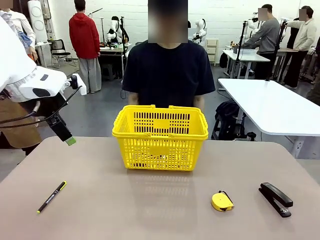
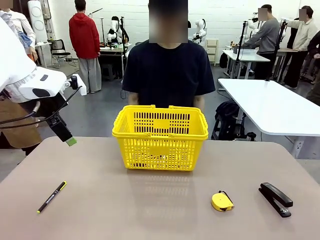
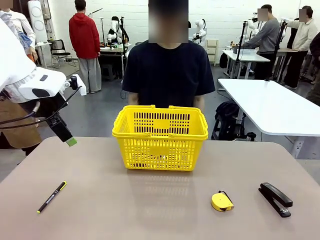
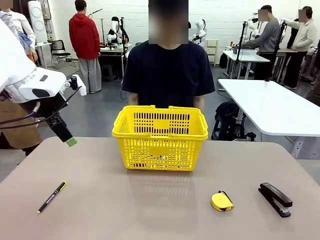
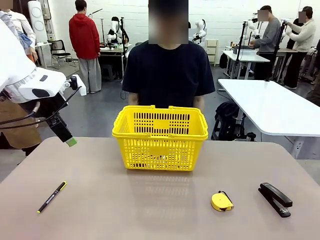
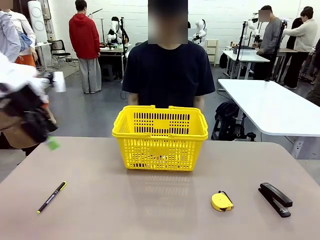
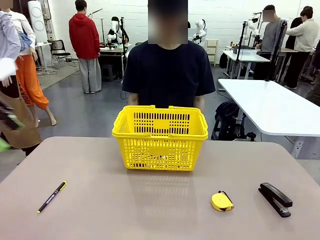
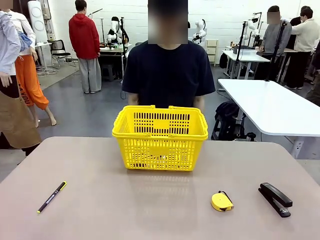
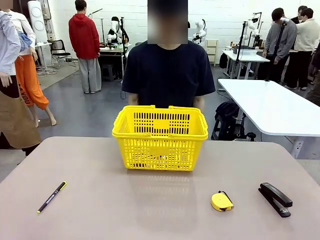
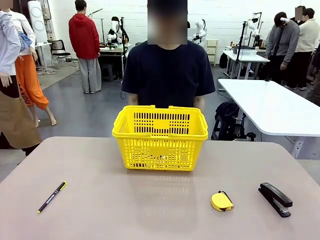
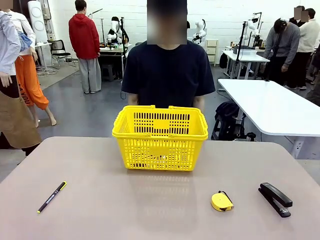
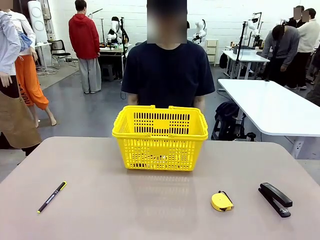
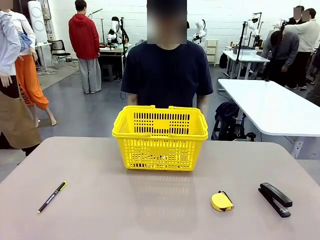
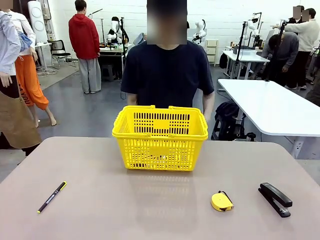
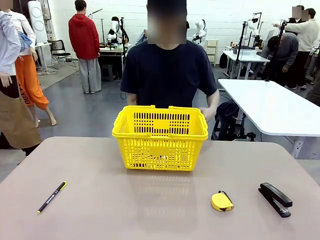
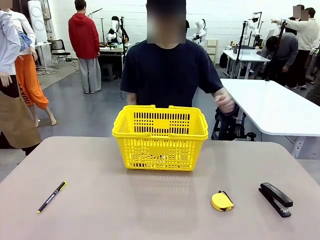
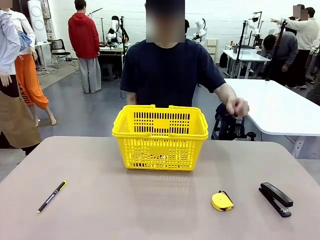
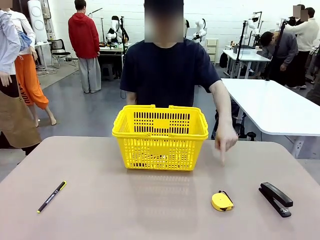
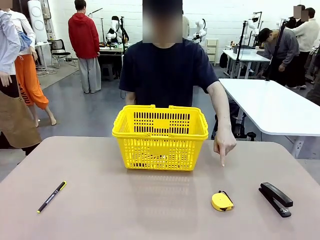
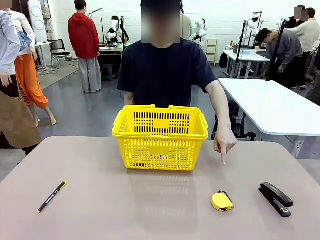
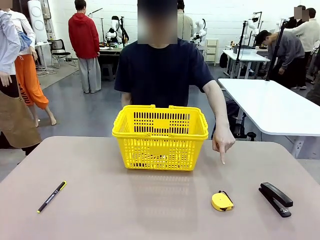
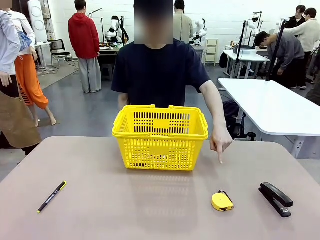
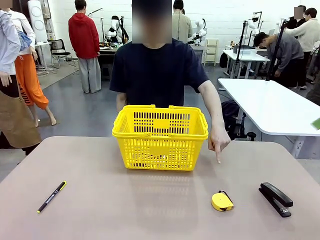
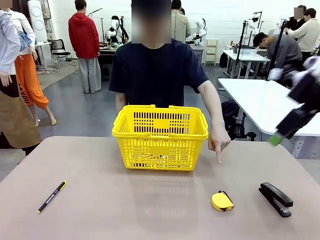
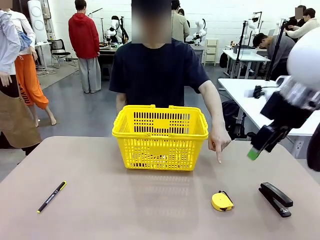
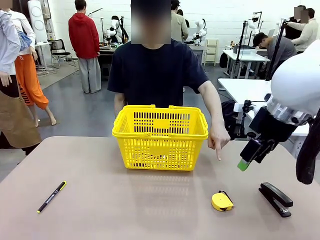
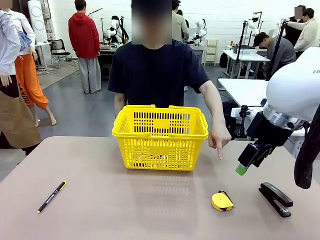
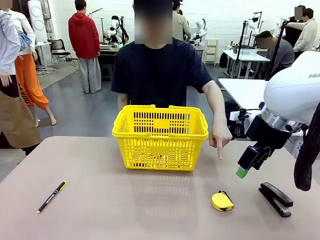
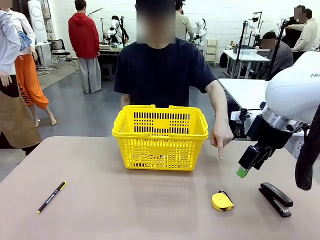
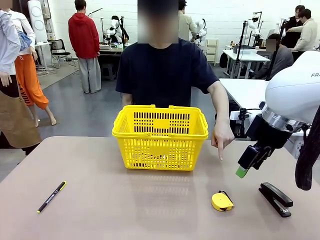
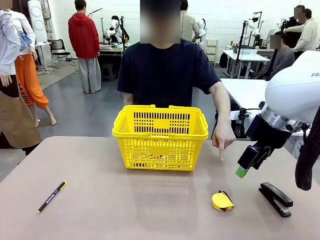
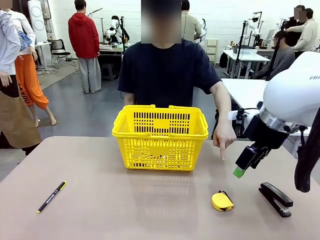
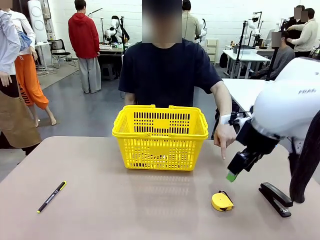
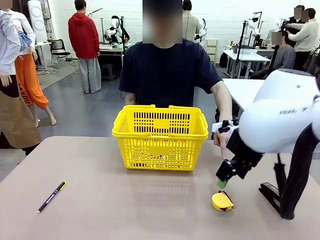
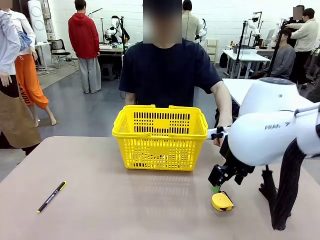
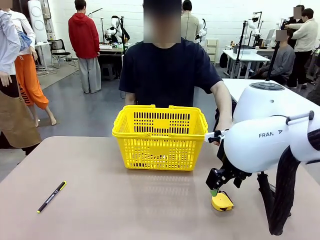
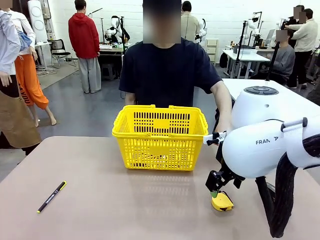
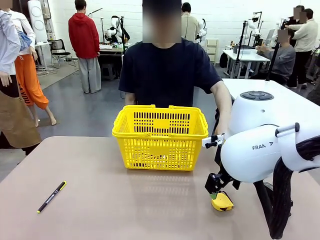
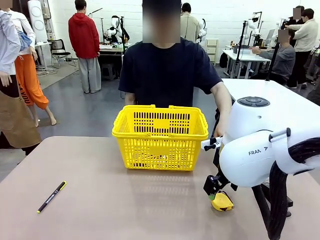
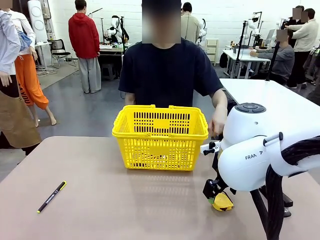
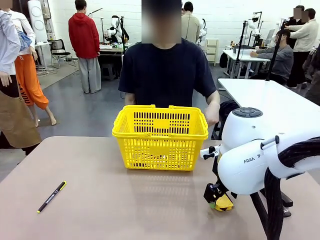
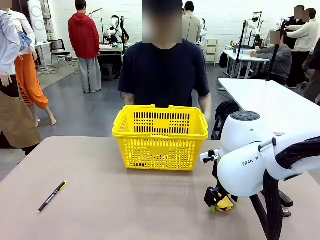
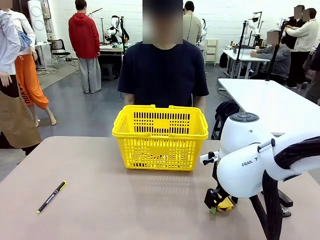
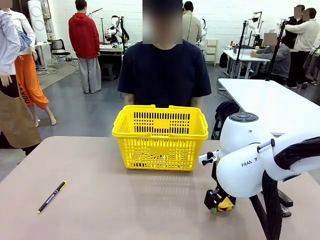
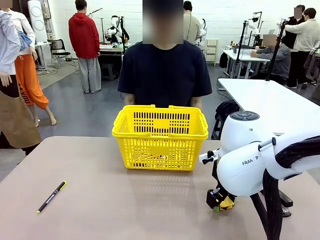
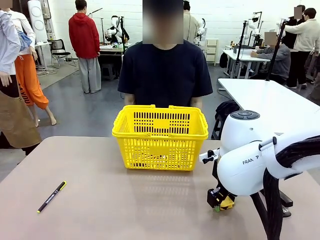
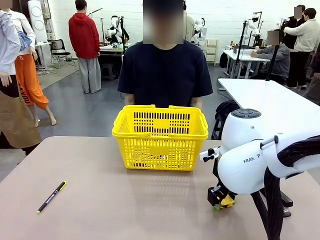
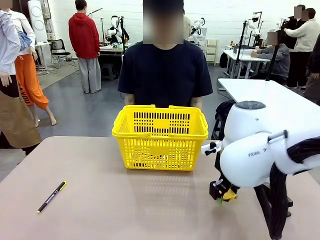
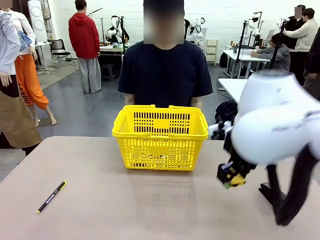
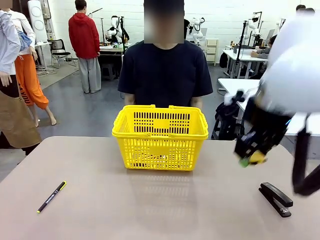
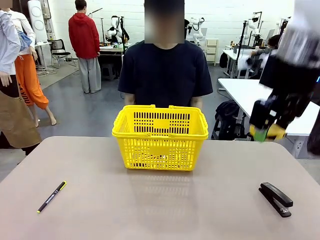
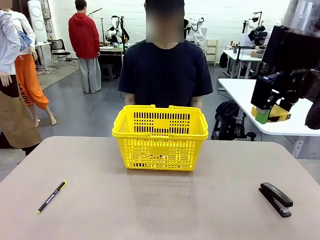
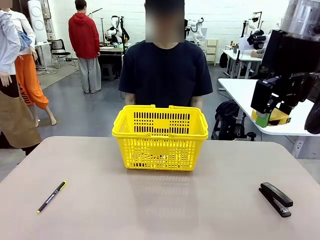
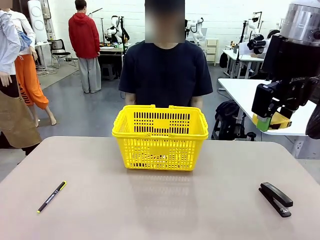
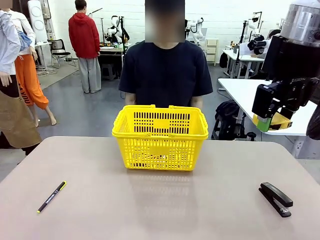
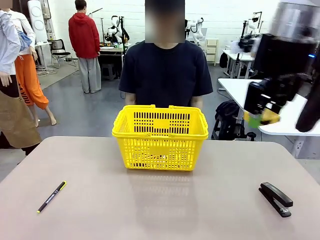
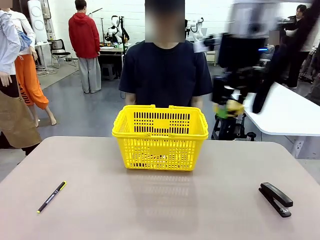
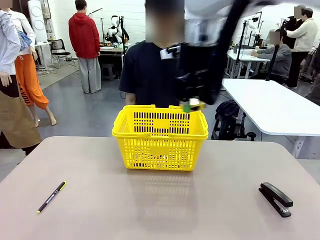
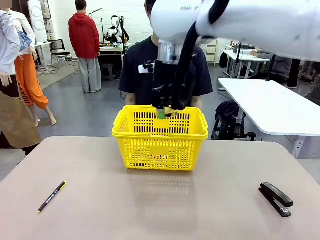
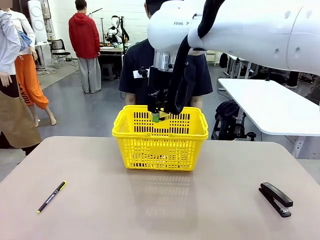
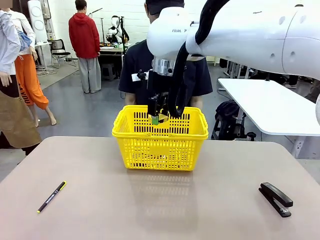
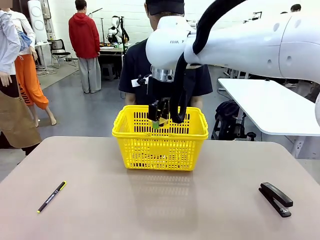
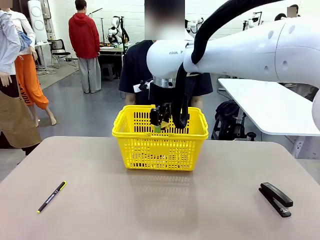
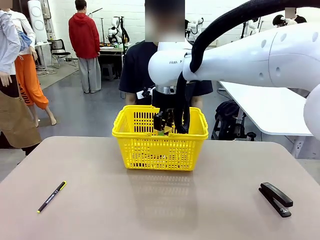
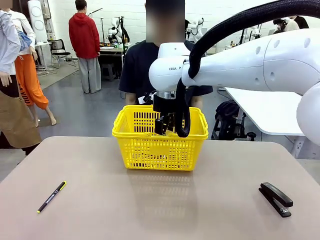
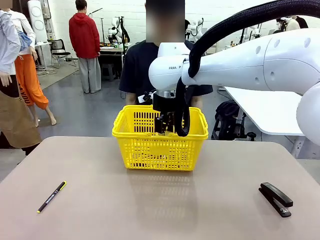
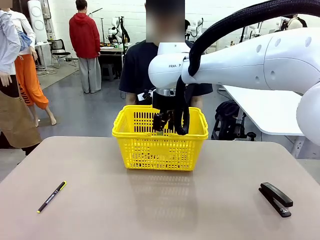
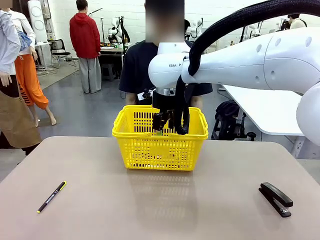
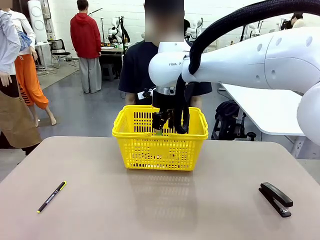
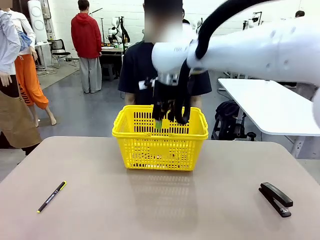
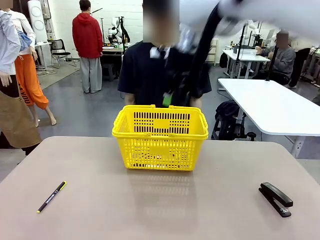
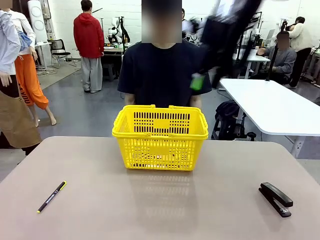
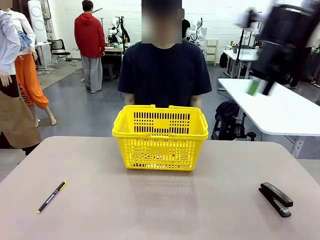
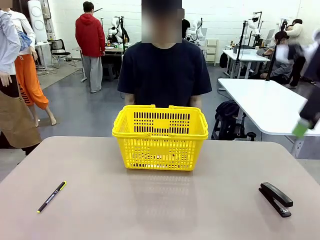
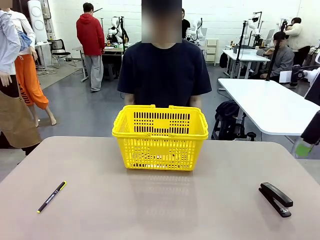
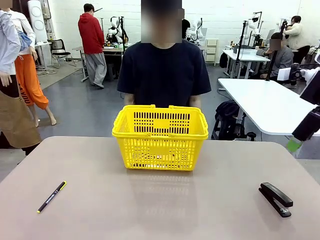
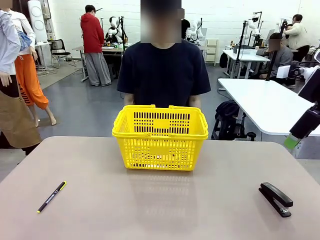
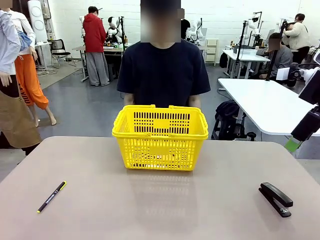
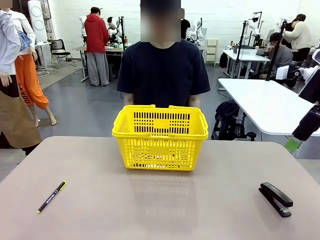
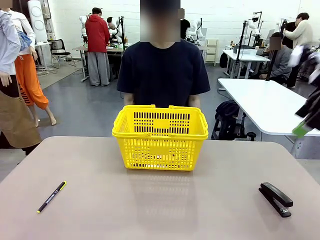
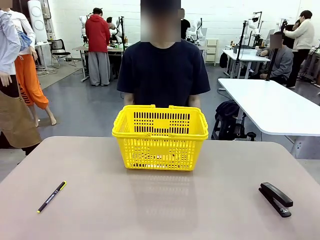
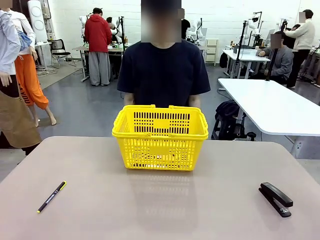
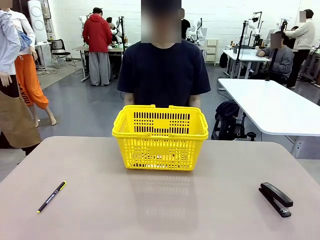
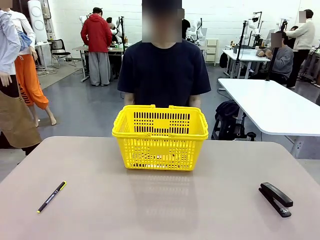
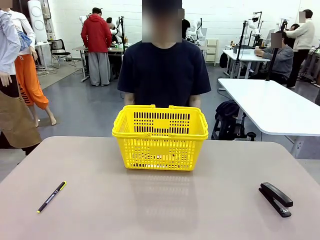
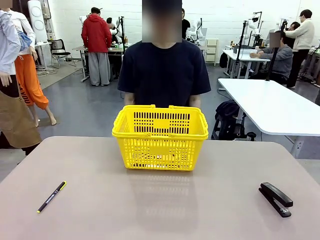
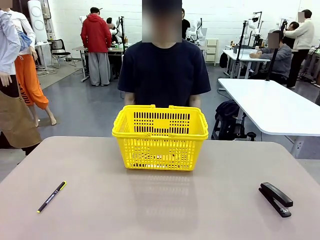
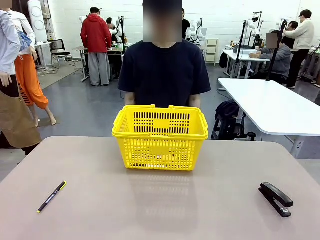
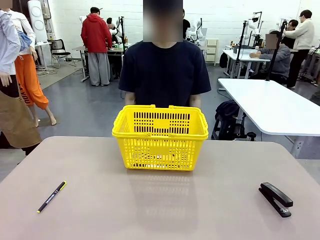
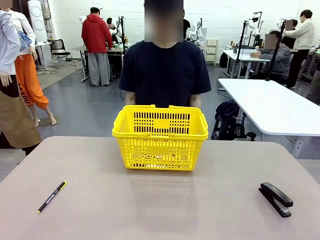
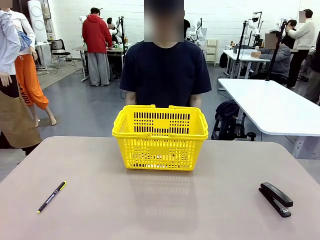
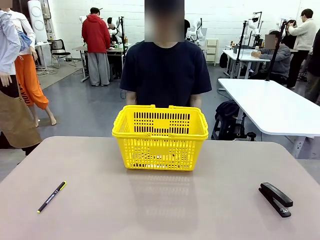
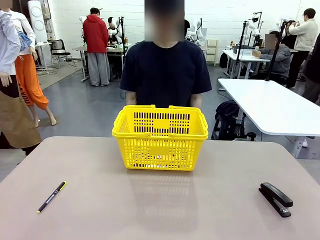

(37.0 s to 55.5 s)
Task: Place the items the person wants into the basket.
Robot: Pick up the item the person points to and place it in the Market Basket.
